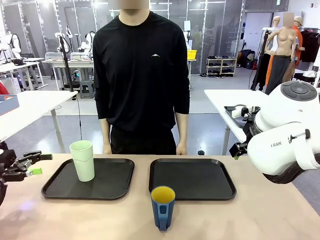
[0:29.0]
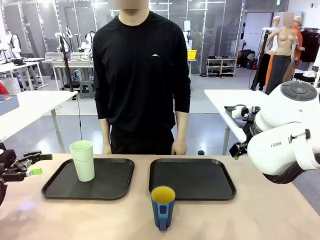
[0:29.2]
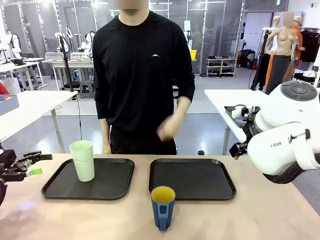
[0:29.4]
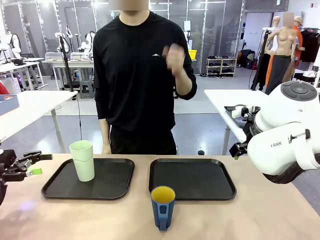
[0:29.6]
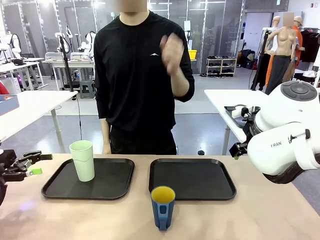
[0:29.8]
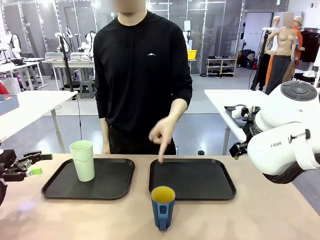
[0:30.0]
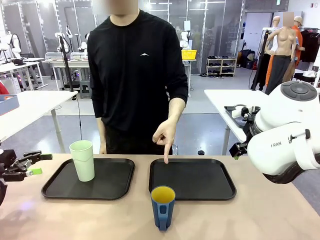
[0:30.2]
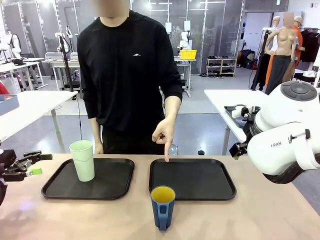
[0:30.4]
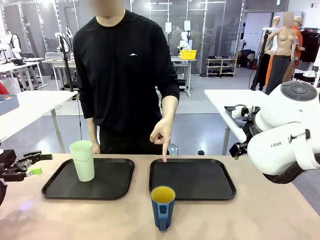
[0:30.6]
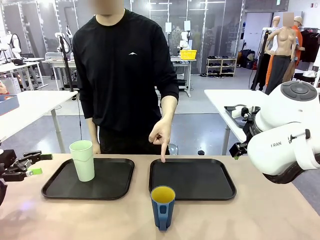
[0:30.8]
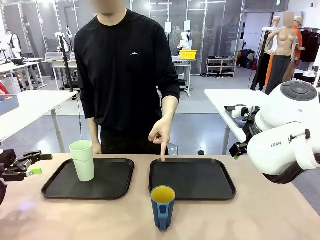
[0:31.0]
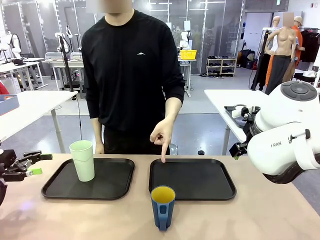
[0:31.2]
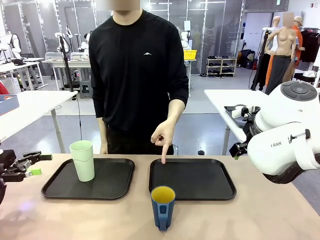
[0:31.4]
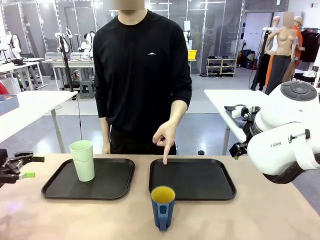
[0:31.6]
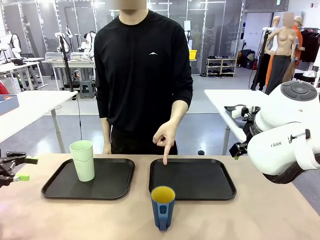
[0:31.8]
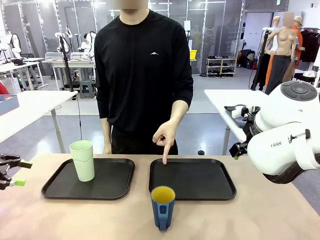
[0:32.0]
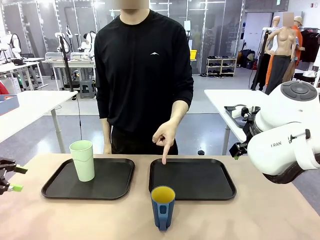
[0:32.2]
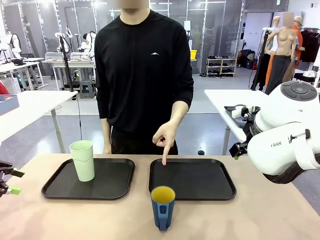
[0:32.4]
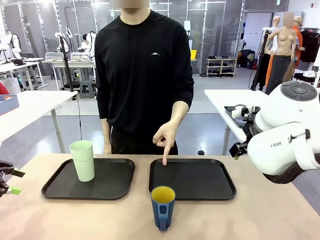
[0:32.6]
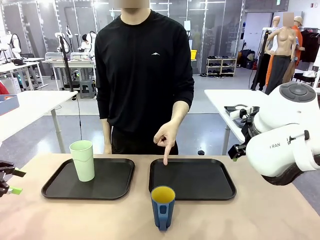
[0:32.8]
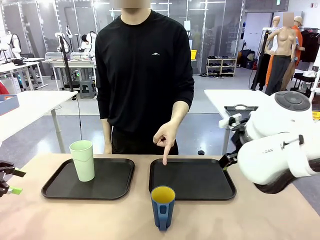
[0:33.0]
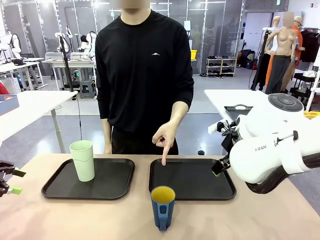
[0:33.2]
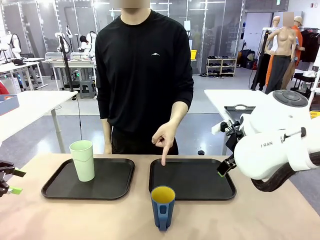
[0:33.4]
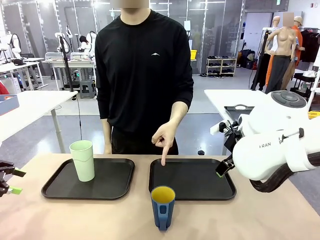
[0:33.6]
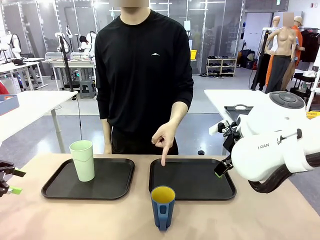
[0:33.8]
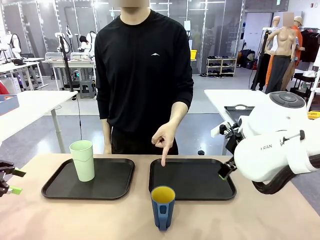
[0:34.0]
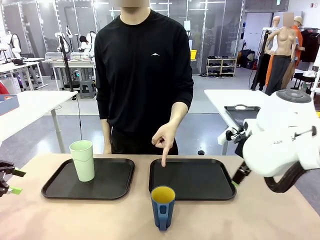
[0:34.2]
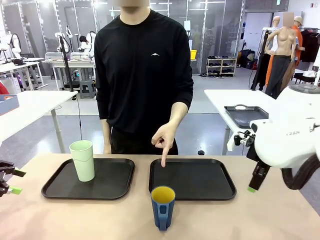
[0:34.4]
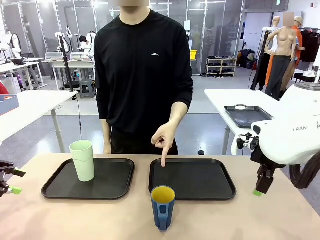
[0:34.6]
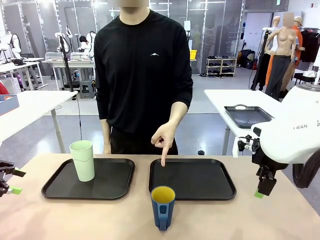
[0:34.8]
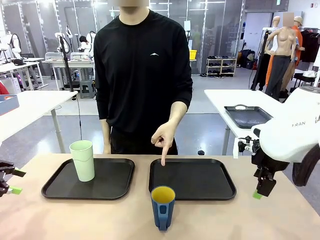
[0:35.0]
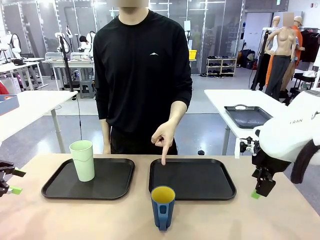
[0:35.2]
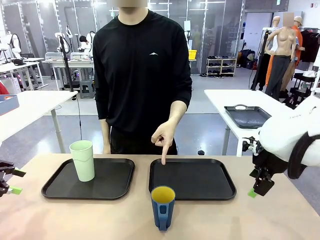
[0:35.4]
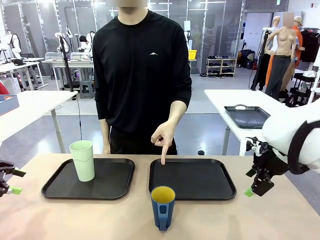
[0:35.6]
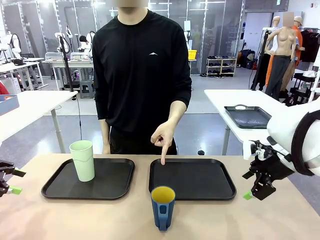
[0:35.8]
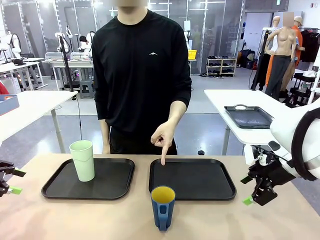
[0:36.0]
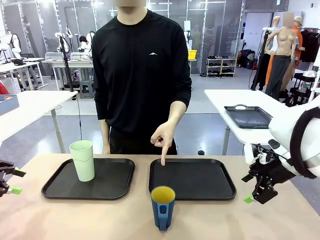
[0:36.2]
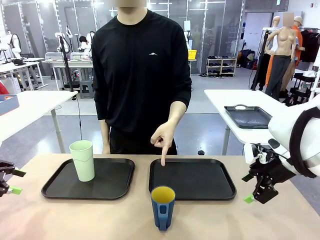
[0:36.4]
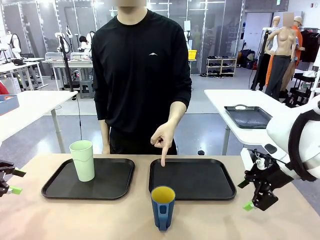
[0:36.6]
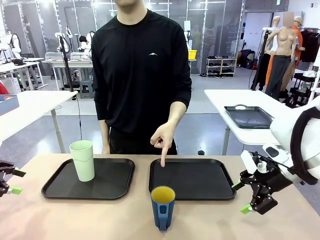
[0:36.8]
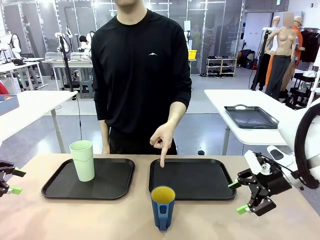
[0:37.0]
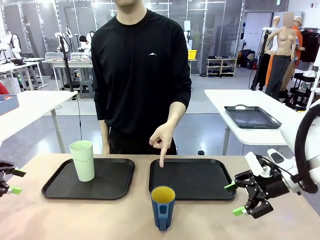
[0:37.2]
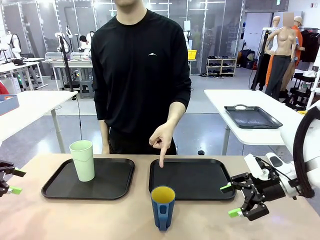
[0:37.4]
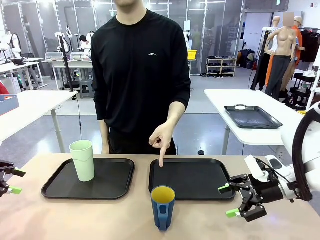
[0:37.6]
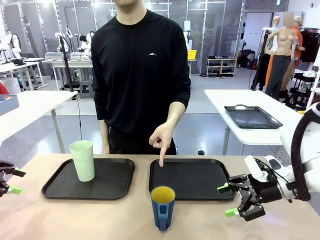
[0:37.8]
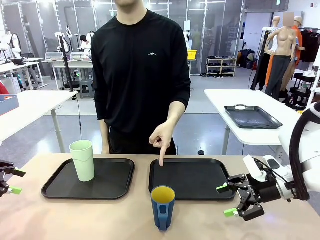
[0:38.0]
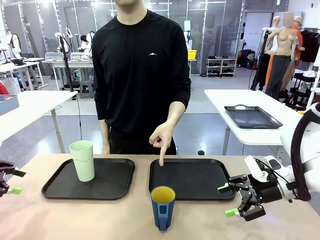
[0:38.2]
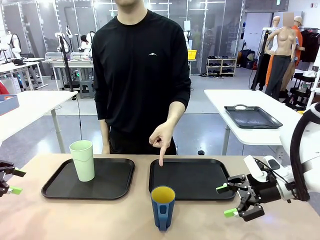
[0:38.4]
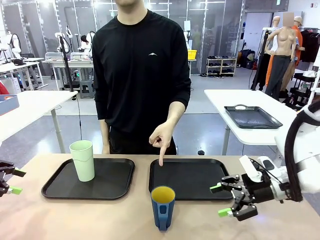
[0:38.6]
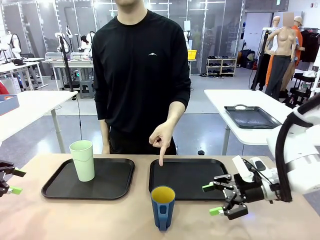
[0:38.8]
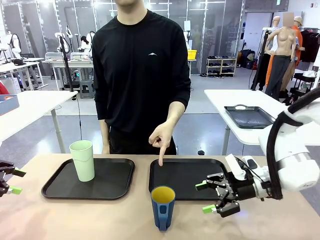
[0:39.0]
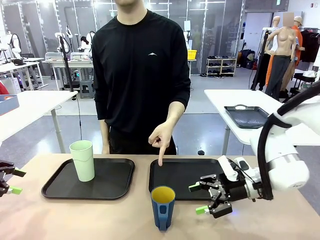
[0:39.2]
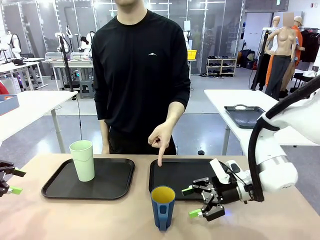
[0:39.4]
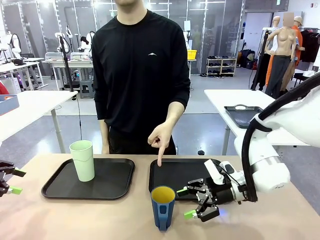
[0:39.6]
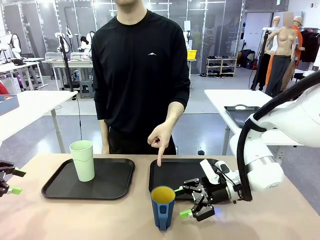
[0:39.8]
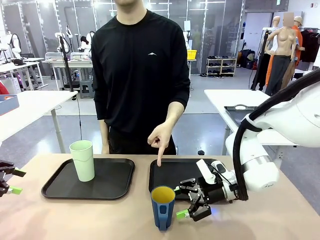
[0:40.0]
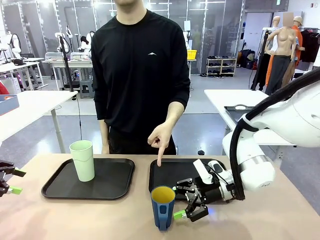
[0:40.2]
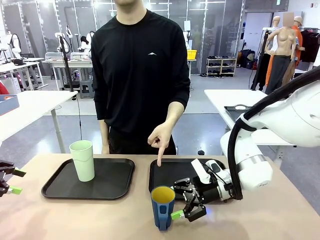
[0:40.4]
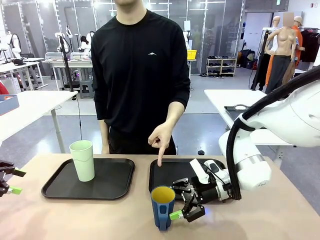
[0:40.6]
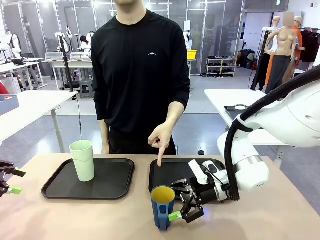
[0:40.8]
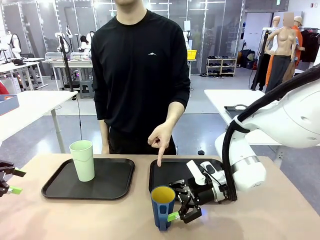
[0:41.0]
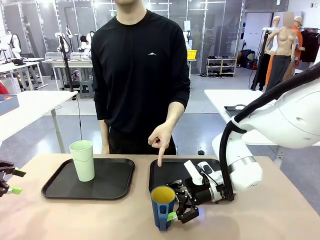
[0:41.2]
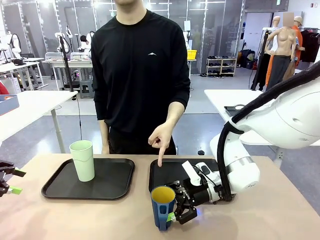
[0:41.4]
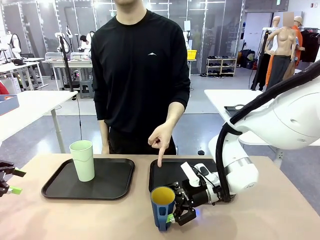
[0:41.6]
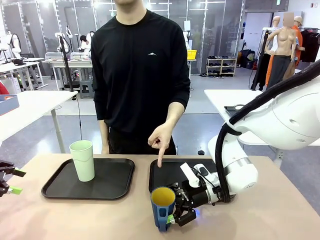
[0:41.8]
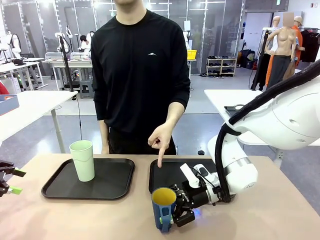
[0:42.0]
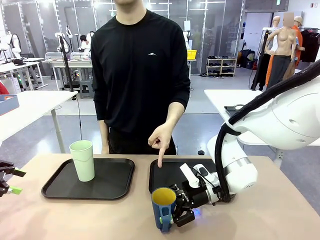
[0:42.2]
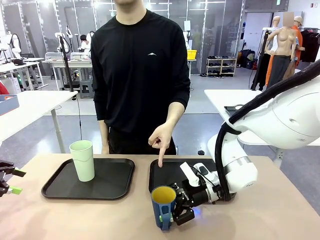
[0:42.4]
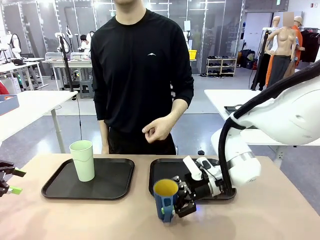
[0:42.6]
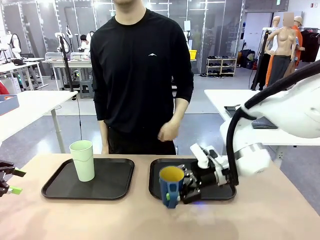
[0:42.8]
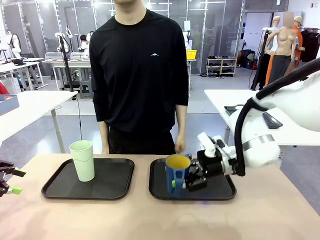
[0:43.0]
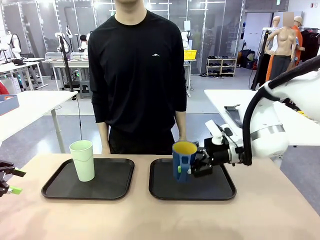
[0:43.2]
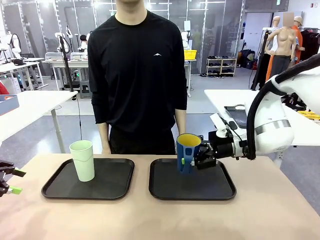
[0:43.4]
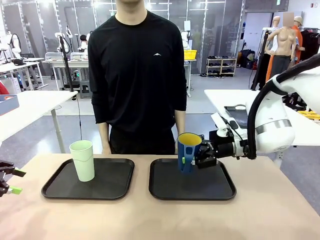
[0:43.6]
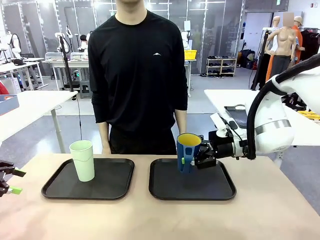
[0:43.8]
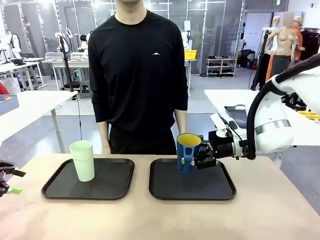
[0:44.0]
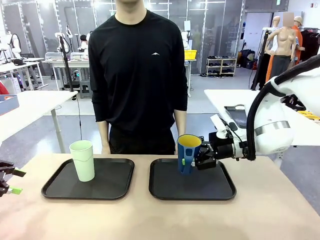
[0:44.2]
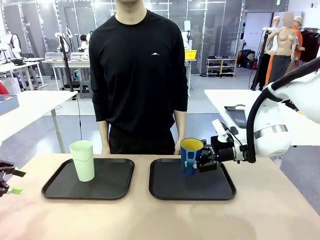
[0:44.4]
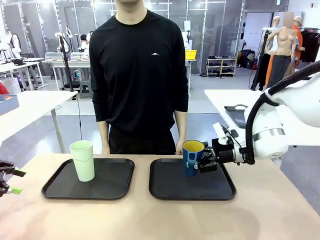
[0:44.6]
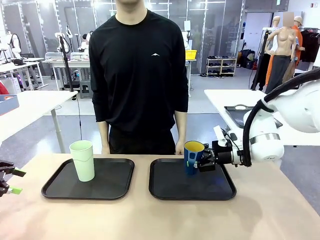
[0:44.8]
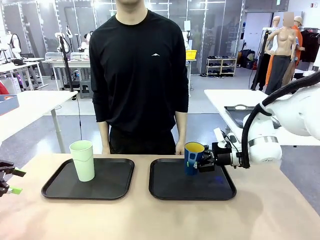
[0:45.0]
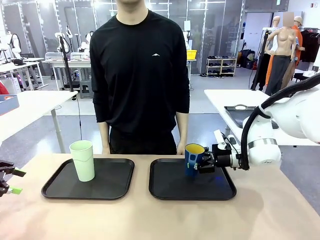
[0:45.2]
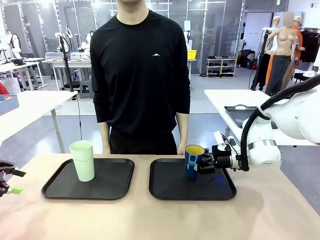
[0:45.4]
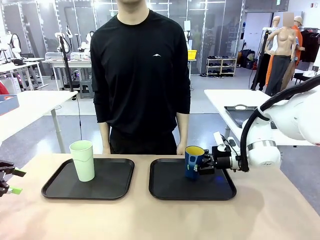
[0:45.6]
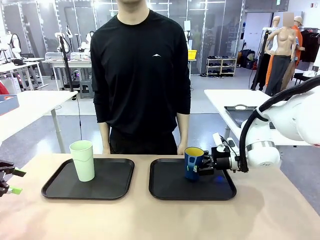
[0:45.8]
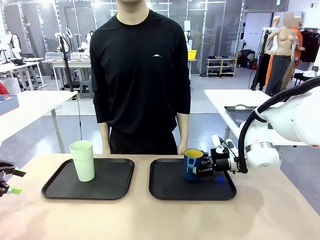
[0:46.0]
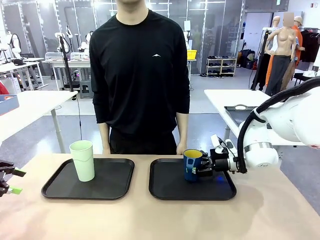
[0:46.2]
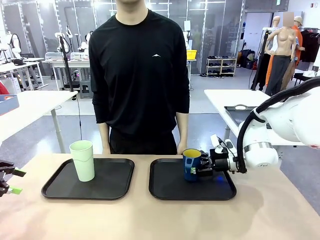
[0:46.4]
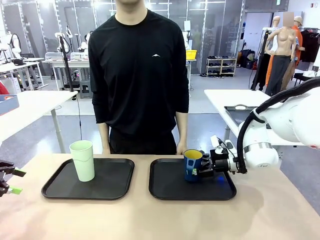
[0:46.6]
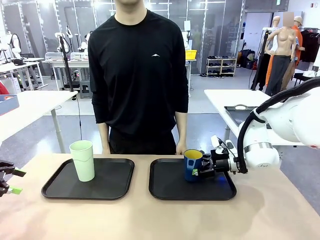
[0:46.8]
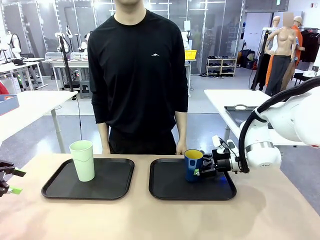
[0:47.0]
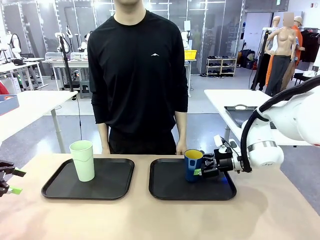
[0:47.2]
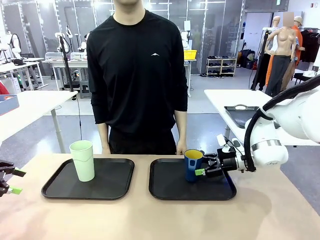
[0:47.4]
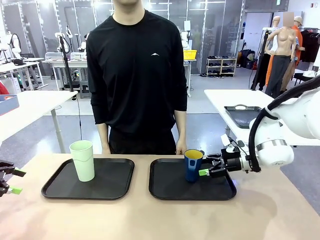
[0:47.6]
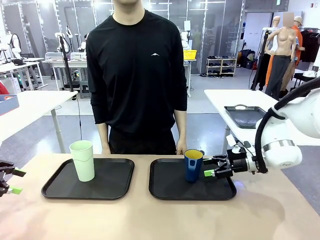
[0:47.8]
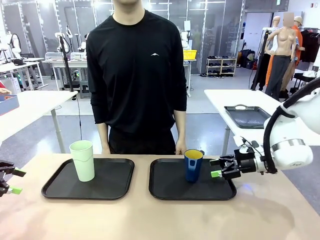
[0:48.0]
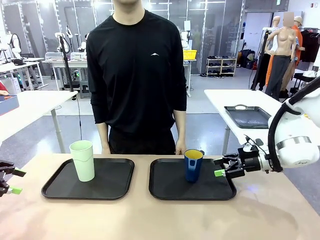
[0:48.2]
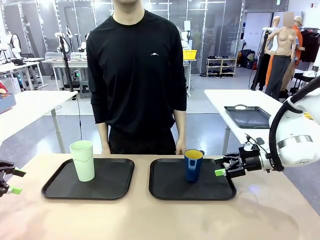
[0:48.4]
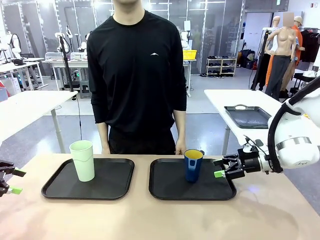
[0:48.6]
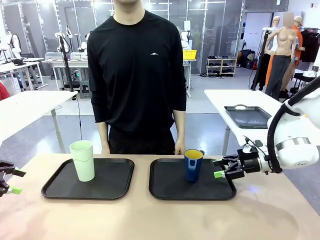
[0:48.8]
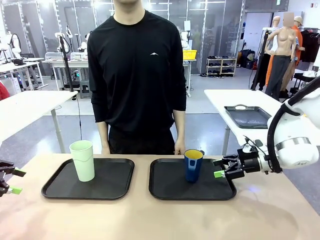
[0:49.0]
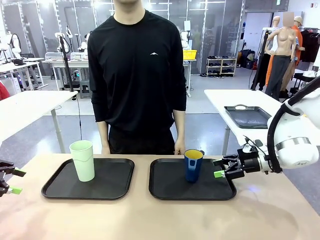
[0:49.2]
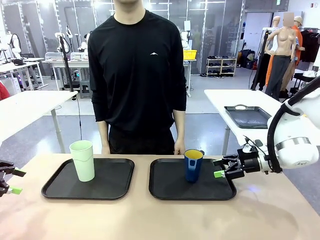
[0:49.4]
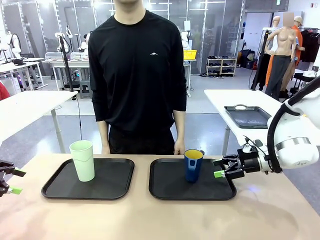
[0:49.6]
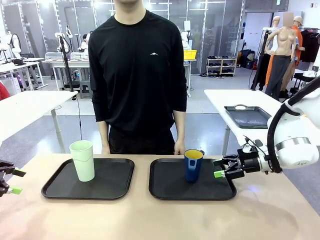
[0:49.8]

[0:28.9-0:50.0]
Task: Sort and store the cups by type.
Robot: Pick up the Handle plastic cup and place it into the empty Flat Tray.
Person: Points to the cup with a handle.
